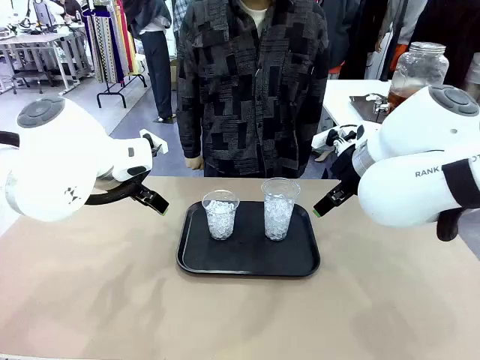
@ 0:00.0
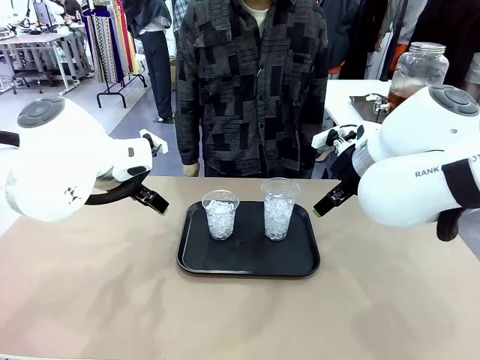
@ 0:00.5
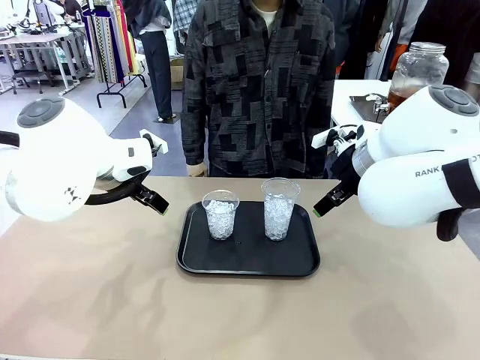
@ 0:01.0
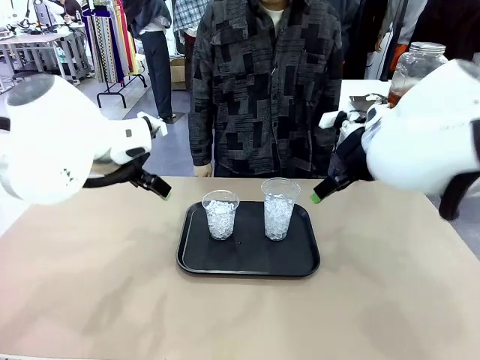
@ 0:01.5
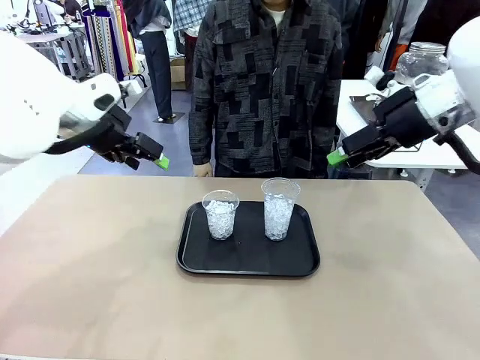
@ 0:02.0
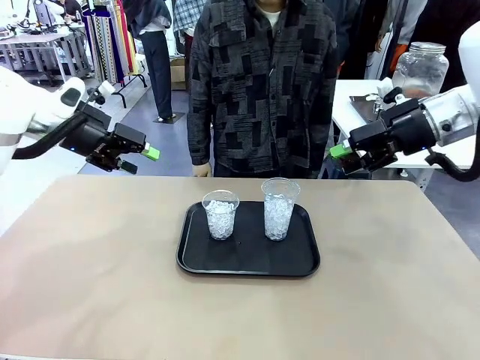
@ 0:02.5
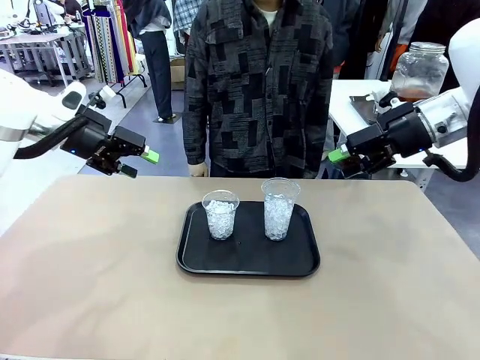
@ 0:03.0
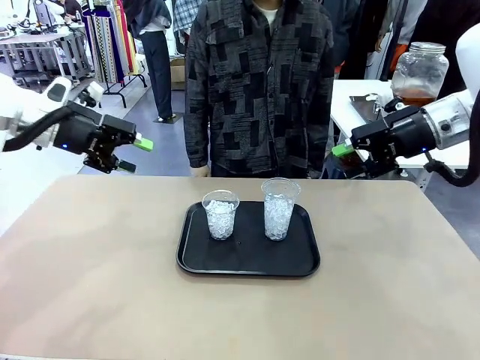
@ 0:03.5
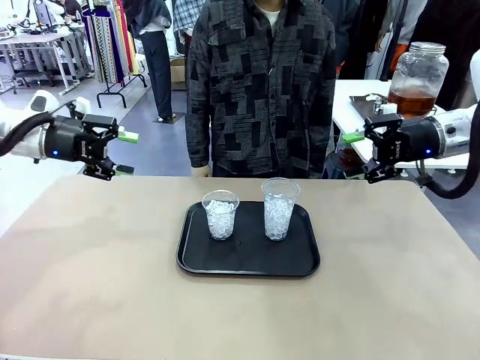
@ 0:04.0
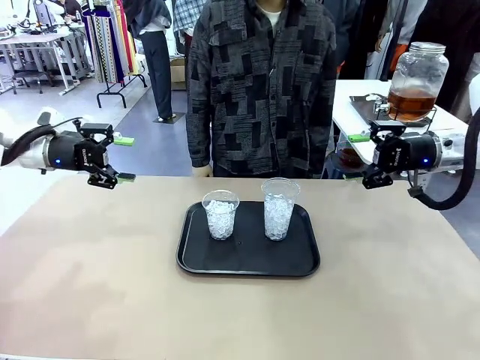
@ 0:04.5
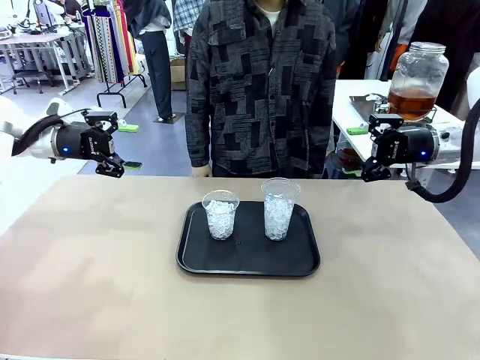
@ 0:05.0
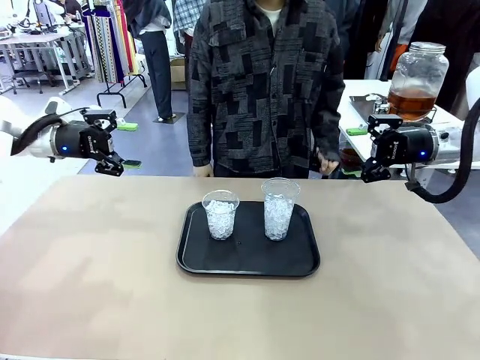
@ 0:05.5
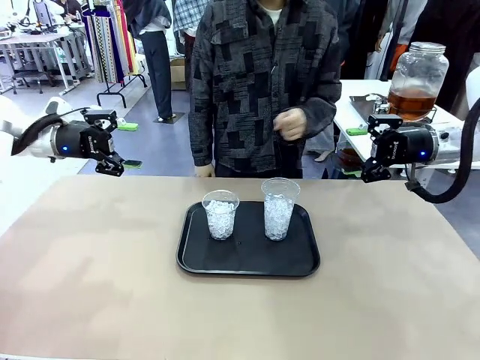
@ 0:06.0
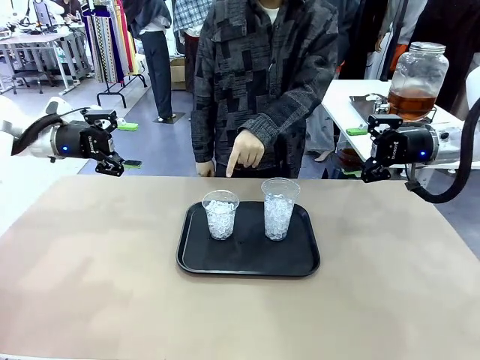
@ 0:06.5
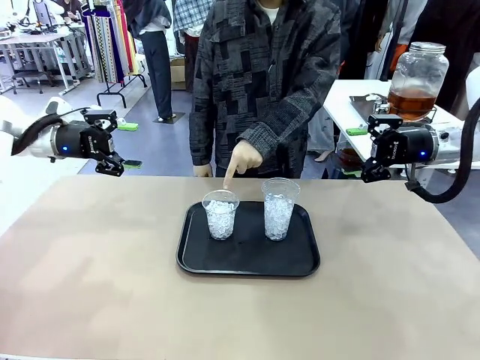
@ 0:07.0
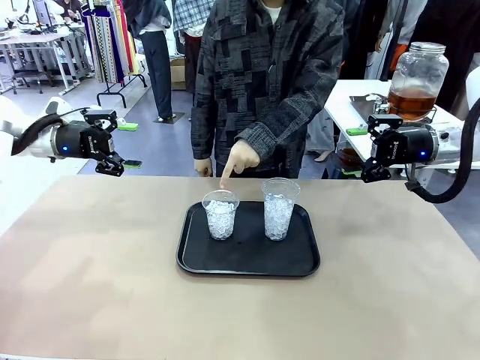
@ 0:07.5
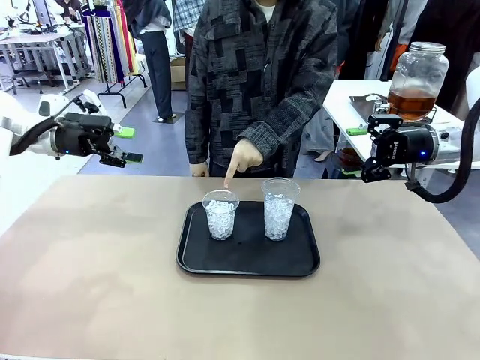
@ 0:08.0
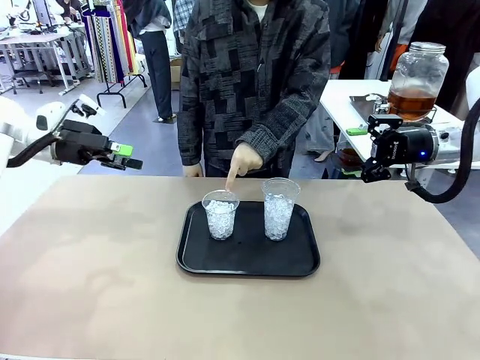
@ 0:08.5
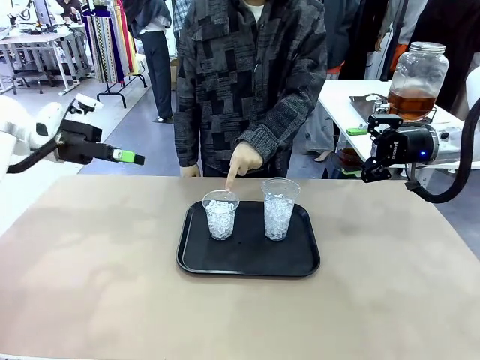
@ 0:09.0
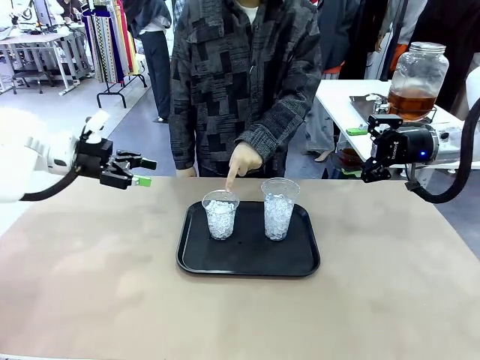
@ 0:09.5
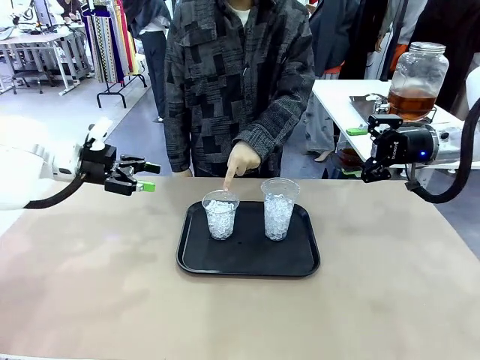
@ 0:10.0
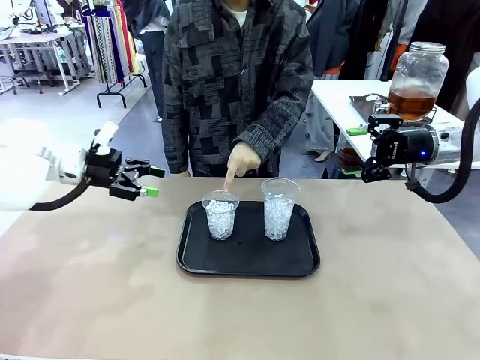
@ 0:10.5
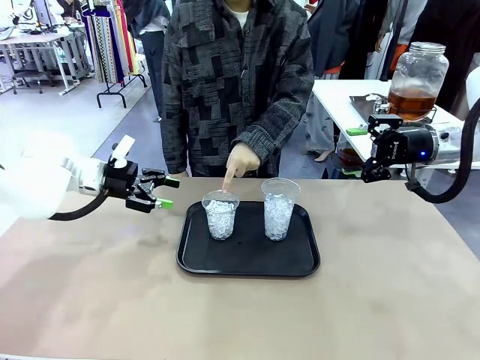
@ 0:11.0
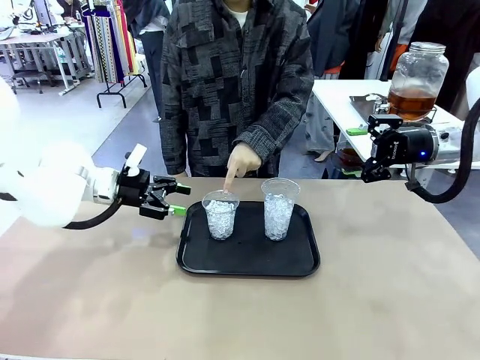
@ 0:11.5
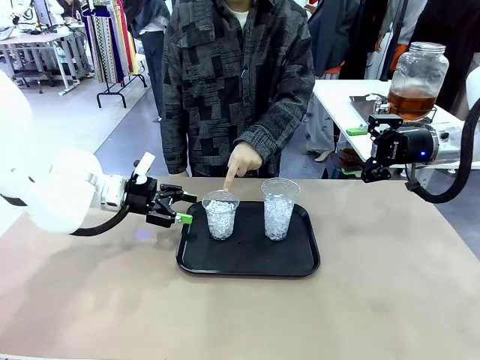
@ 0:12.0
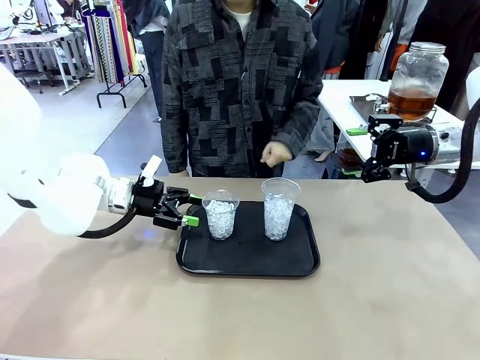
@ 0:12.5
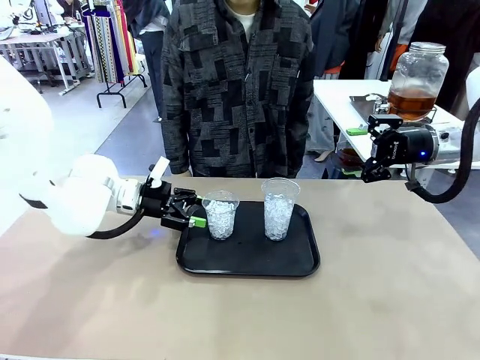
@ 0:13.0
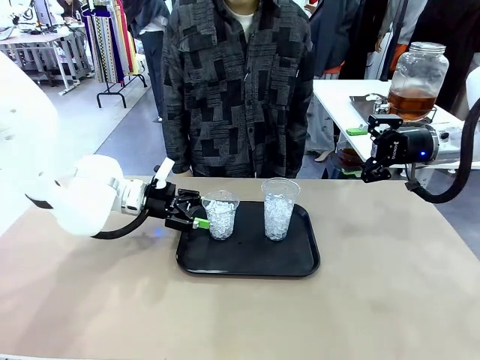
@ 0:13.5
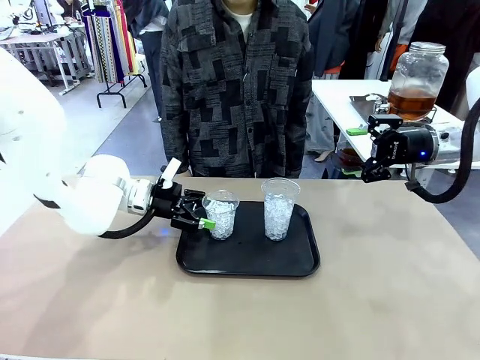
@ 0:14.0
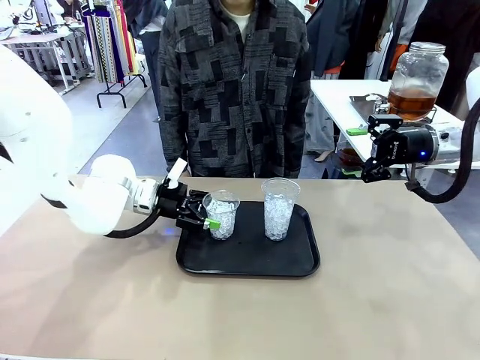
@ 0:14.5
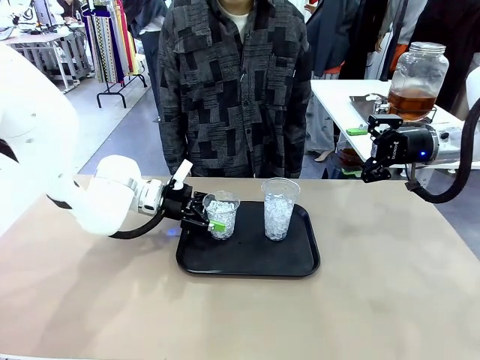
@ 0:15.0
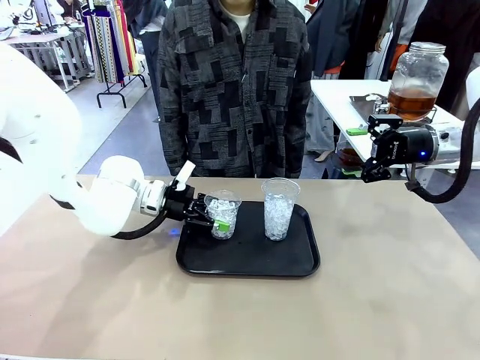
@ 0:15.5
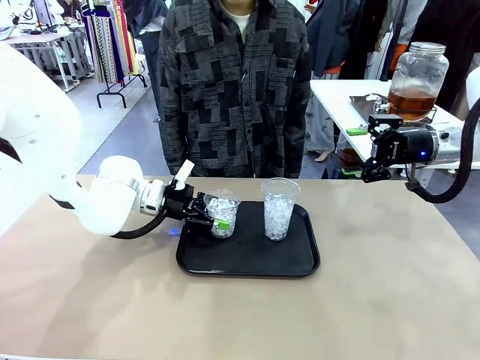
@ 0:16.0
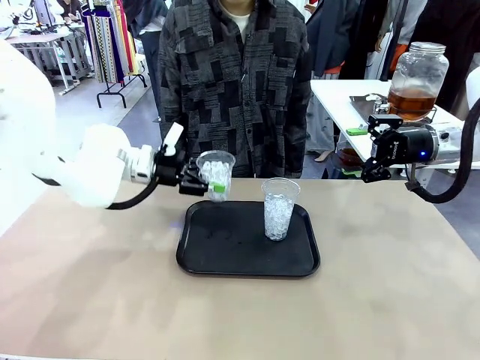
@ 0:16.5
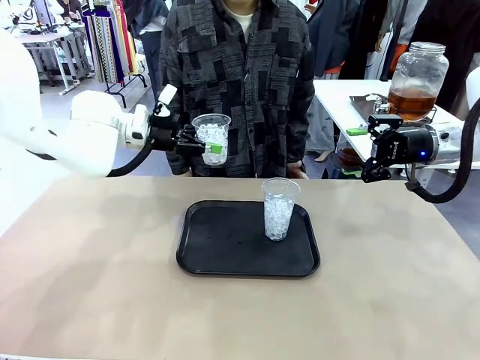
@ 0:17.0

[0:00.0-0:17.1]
Task: Pour the drink into the iced cup.
Robot: Pick up the iced cup indicated by the human and present it to them.
Person: Point to one of the two ice cups. Pick up the cup offered by the robot.

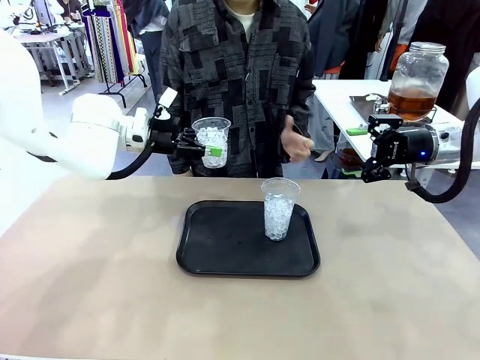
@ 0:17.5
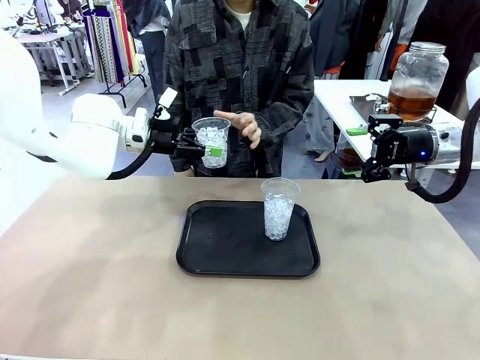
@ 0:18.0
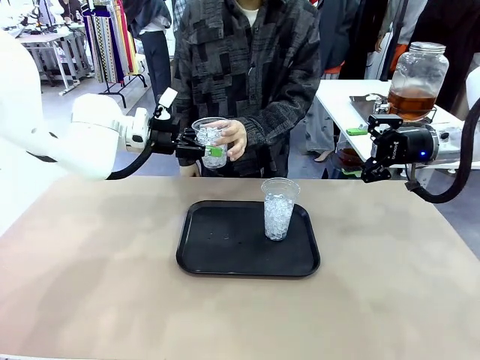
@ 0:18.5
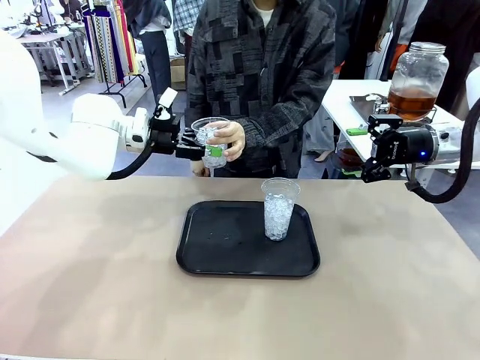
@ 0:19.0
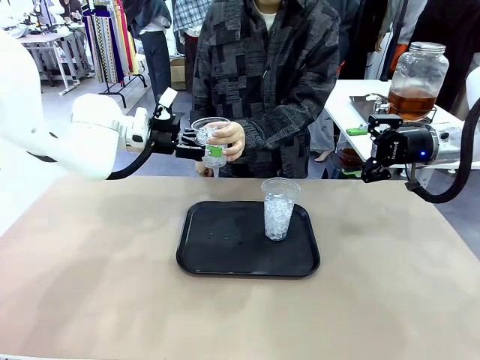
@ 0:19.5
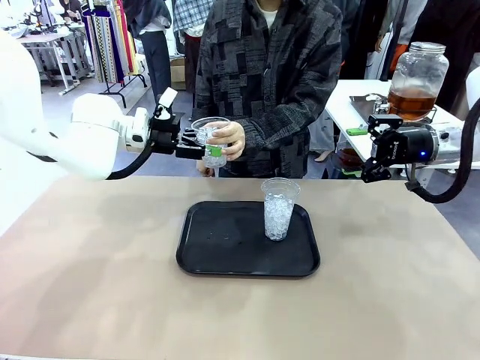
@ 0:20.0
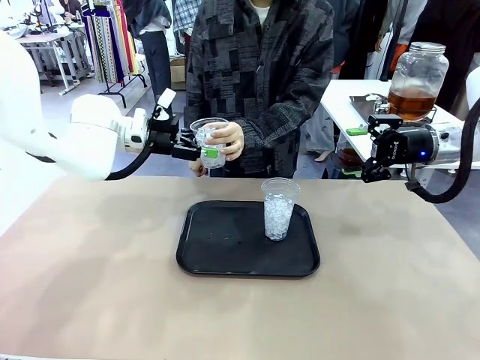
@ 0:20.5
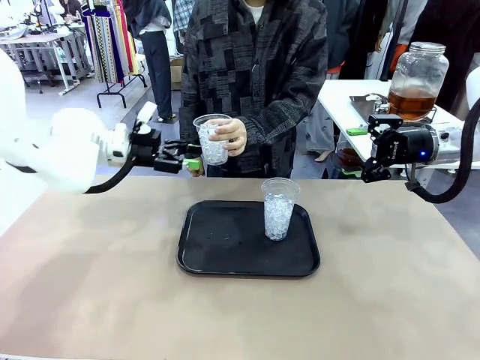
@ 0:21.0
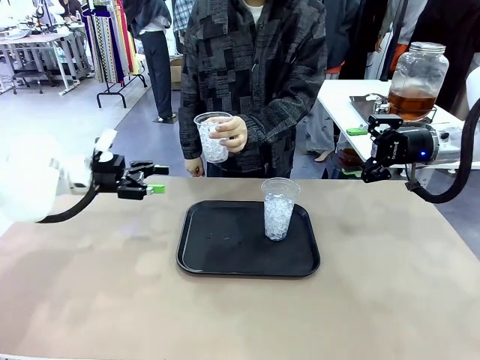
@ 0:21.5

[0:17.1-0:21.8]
Robot: Open the gripper to release the iced cup you were holding.
